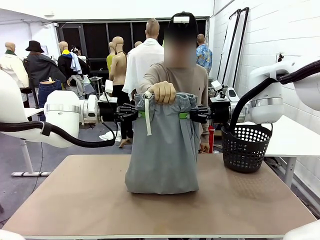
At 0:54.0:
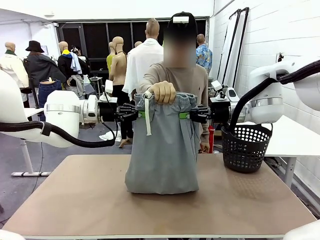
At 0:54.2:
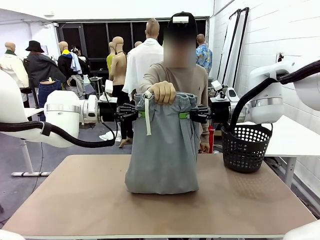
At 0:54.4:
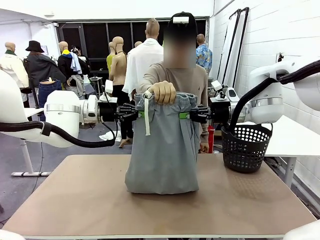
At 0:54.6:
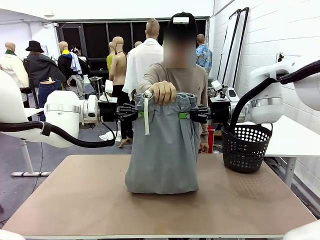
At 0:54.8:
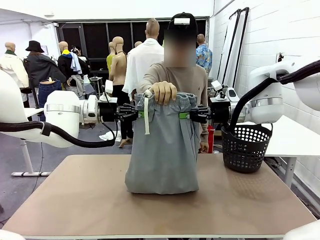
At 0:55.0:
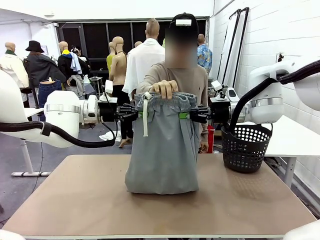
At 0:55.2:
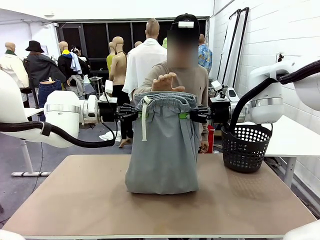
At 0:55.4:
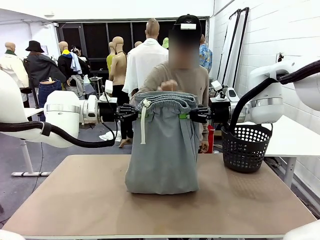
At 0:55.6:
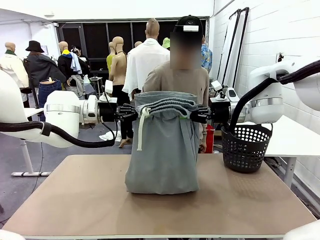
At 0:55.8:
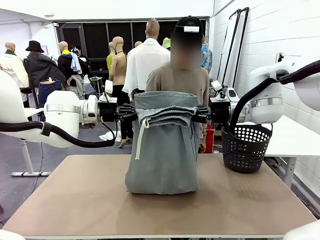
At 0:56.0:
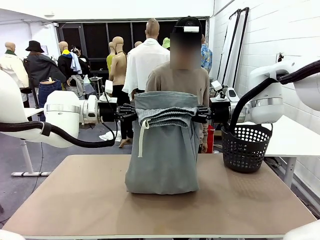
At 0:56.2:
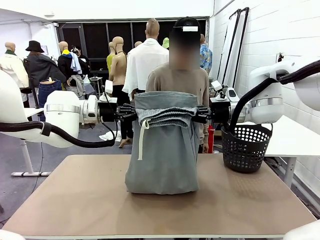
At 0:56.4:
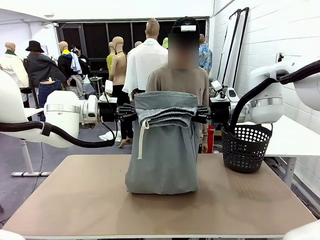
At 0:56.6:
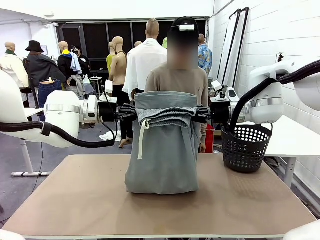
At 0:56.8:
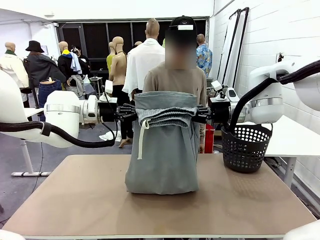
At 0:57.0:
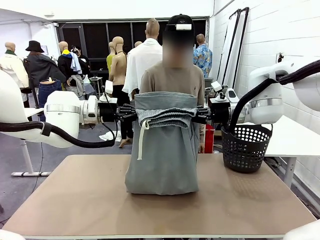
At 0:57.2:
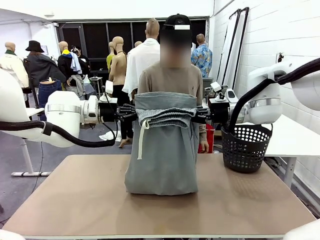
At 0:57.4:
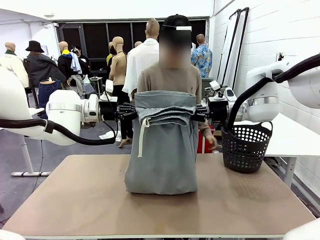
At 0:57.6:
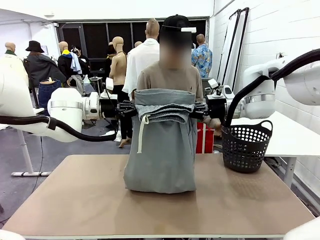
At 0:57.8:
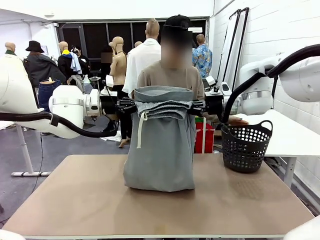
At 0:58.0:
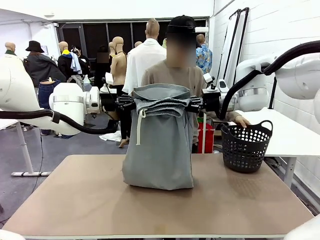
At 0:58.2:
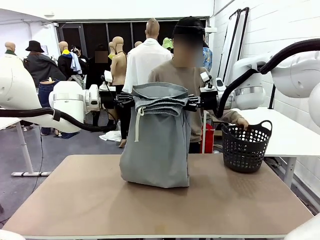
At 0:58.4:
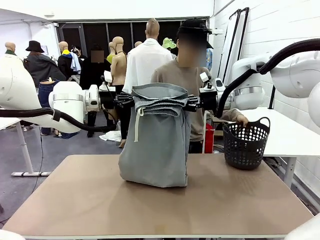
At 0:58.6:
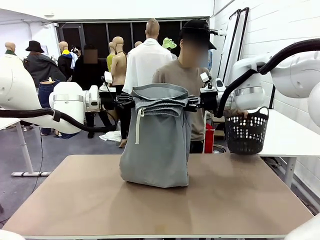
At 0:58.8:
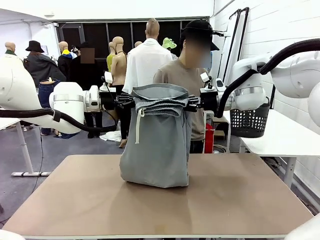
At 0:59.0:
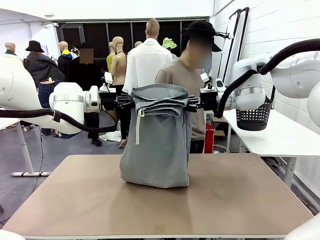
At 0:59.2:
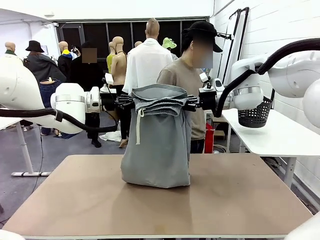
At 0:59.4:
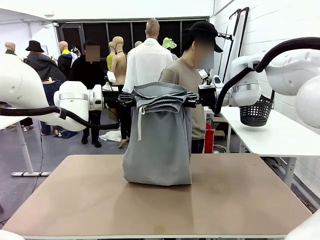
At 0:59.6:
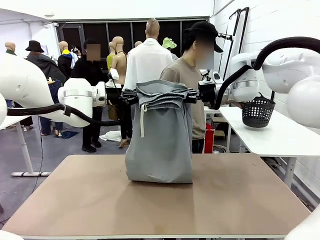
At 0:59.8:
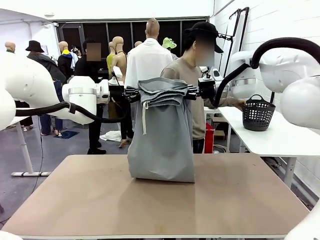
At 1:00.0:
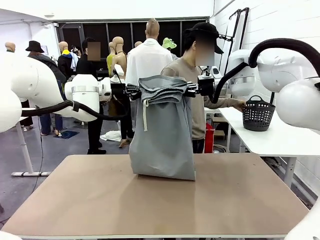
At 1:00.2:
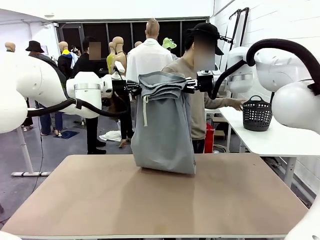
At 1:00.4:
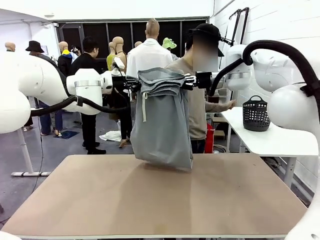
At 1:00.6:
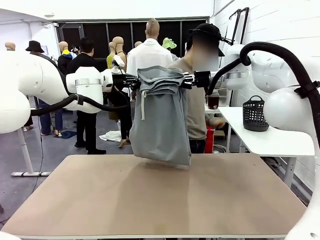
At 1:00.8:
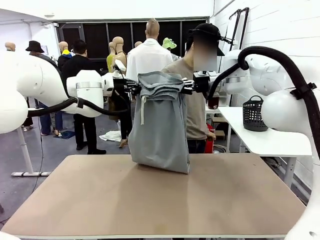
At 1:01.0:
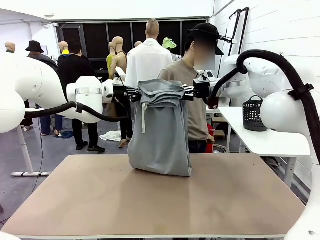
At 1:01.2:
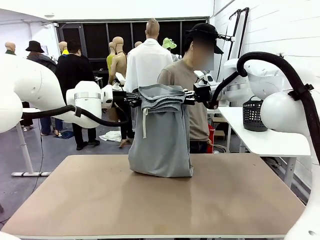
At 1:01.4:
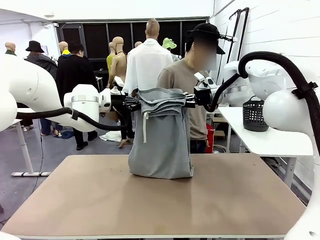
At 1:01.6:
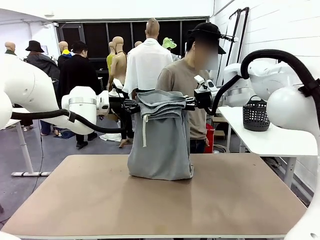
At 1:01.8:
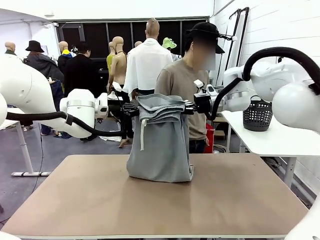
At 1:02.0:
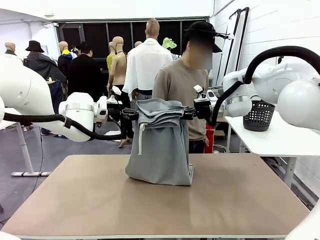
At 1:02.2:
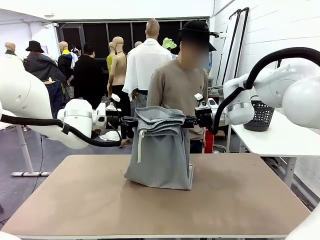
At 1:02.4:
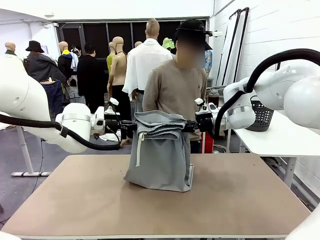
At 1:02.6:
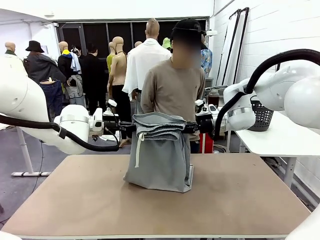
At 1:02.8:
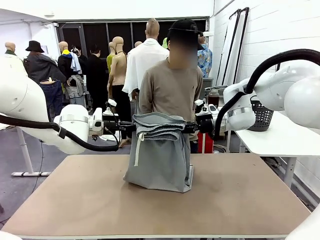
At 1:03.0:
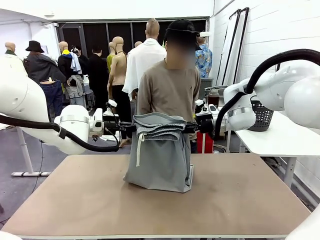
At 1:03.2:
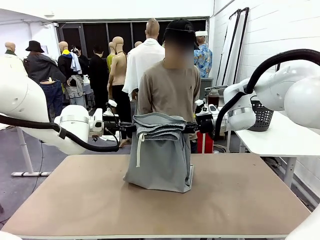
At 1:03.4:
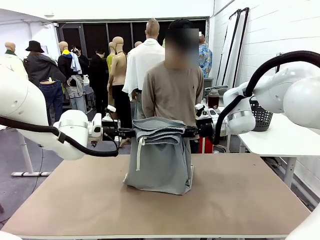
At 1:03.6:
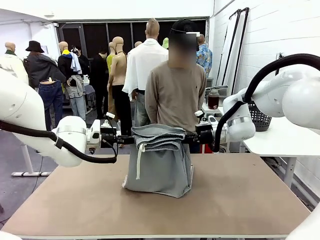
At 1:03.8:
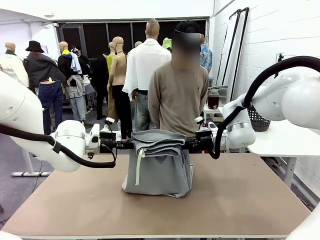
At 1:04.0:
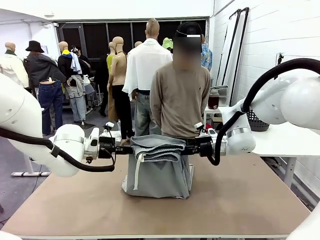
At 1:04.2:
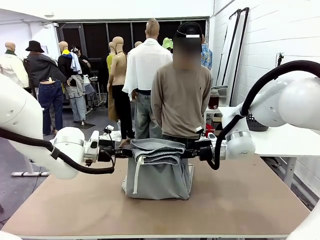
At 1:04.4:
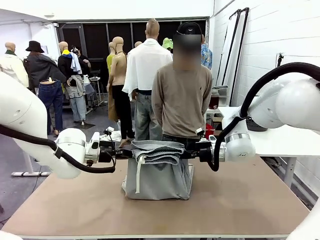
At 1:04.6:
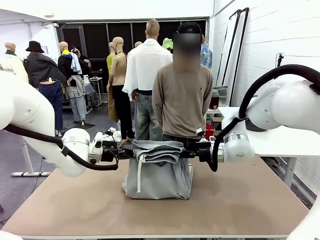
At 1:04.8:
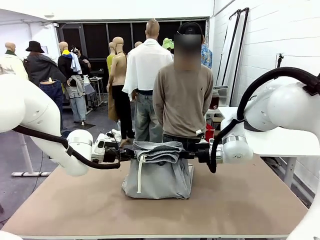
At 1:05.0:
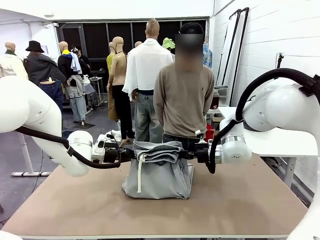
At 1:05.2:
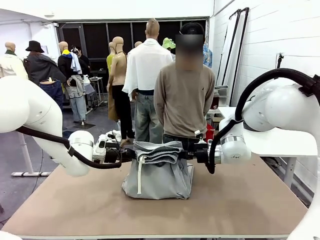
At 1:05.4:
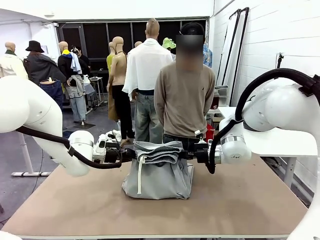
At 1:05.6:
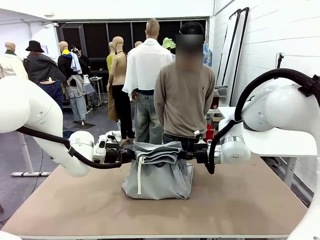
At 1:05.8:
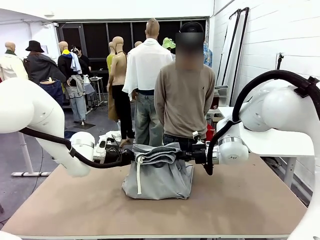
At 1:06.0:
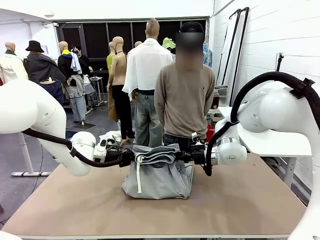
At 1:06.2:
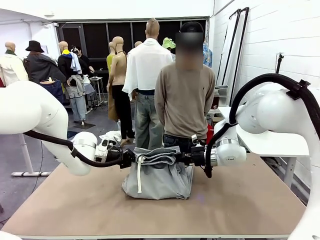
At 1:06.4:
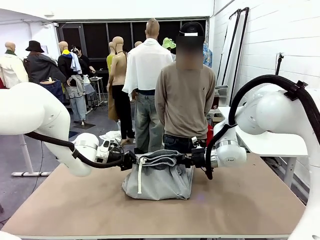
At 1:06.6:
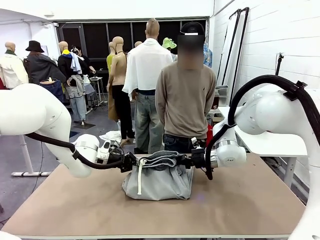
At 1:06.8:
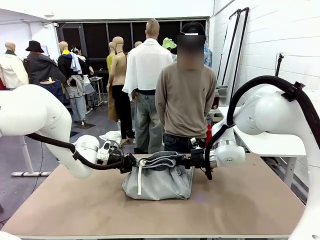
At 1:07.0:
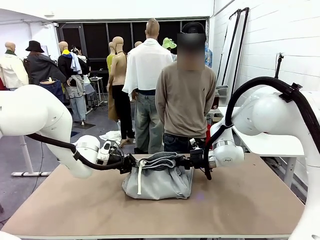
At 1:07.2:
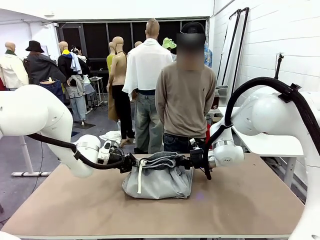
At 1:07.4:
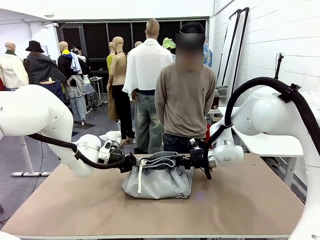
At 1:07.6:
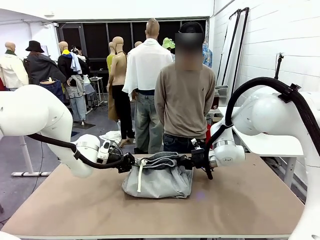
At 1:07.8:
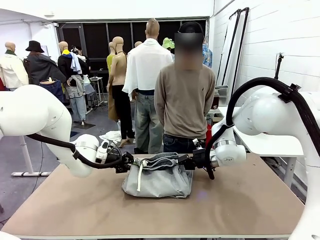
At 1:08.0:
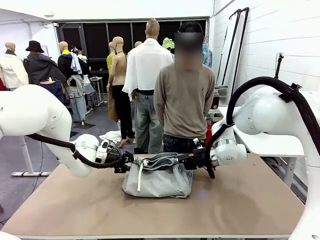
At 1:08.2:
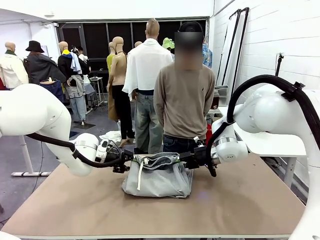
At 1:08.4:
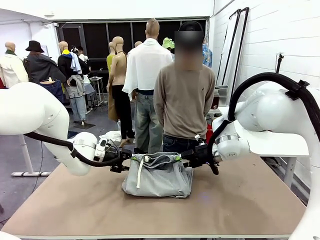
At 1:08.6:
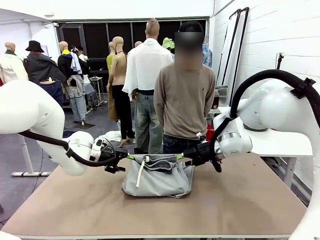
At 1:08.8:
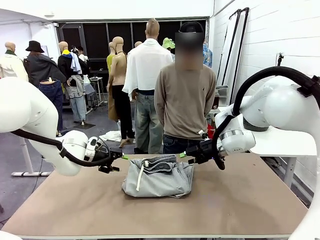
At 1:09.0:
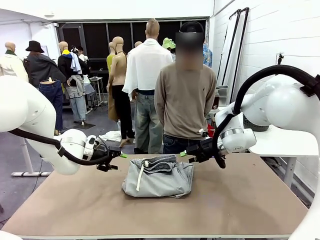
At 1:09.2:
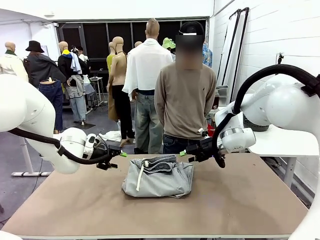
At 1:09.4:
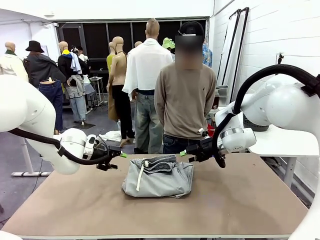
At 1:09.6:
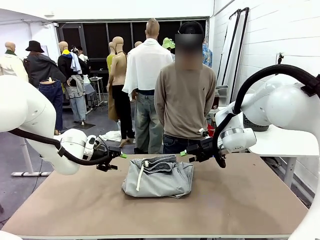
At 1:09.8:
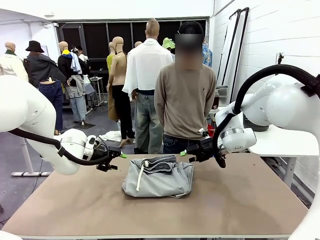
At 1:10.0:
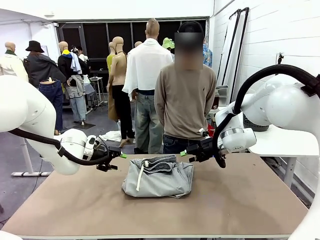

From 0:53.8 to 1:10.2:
Task: Fold the training pants.
Robot: Fold the Training pants in half.
Person: Move the laundry basket to the right of the human table.

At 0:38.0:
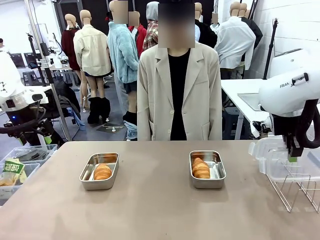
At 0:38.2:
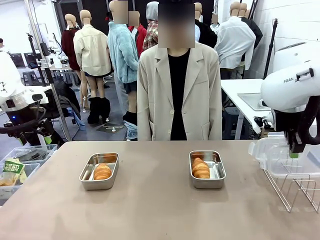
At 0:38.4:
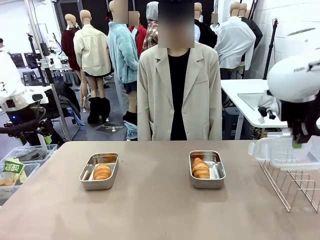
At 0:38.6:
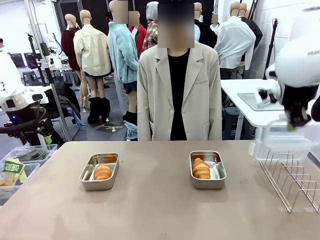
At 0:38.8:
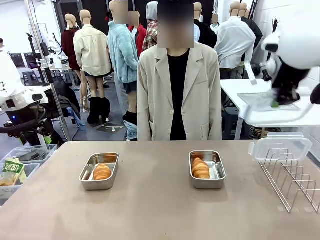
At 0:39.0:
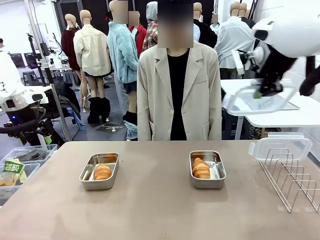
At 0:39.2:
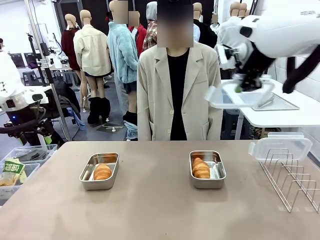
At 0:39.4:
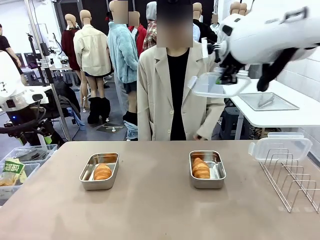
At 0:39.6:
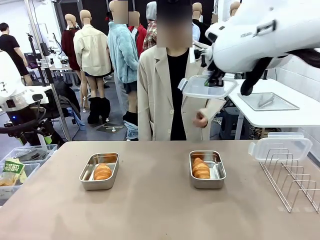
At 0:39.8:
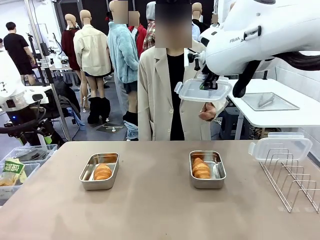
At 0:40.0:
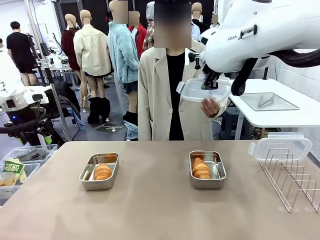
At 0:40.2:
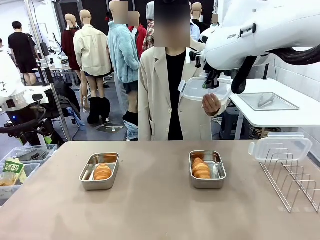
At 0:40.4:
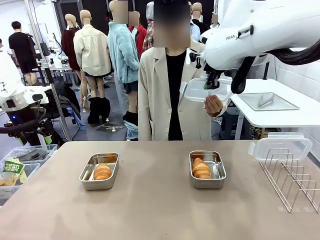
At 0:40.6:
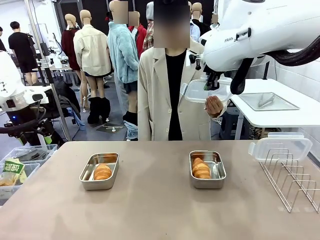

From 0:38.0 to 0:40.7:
Task: Place the bread in airtight containers.
Robot: Release when the human grabs the Airtight Container lid.
